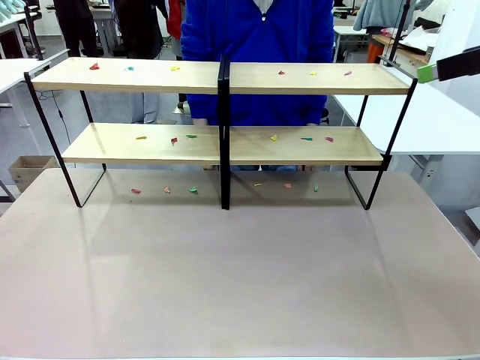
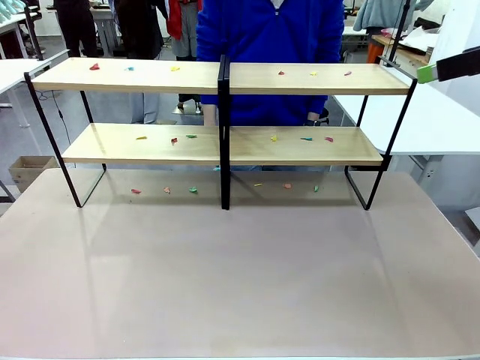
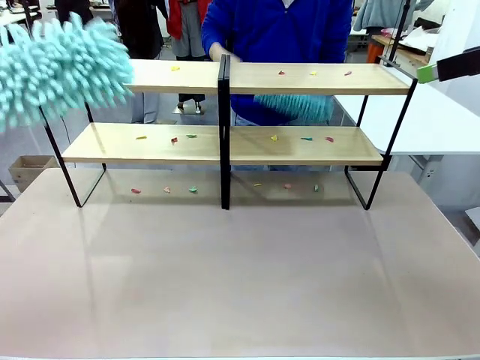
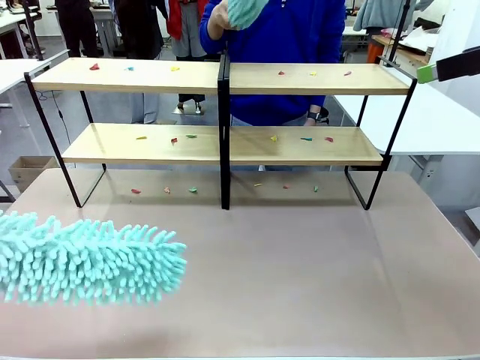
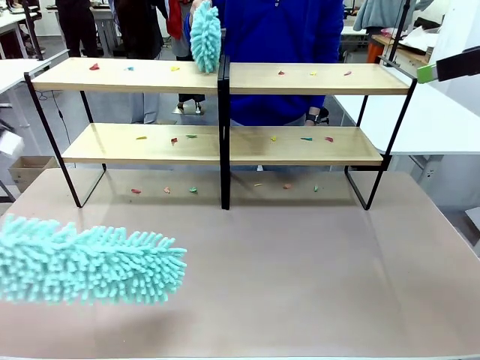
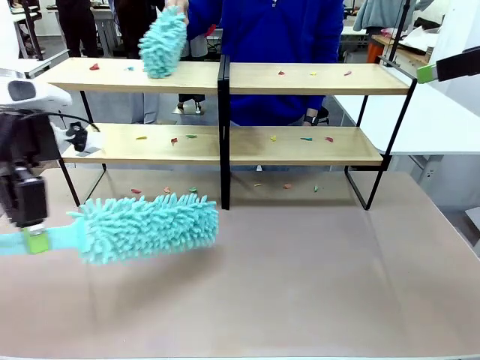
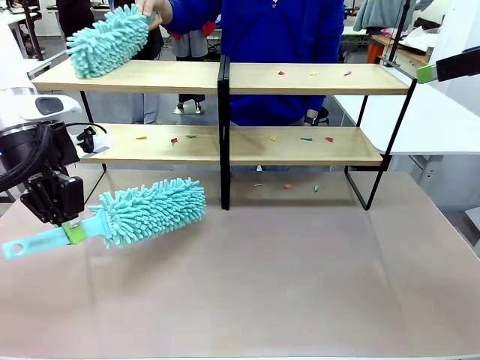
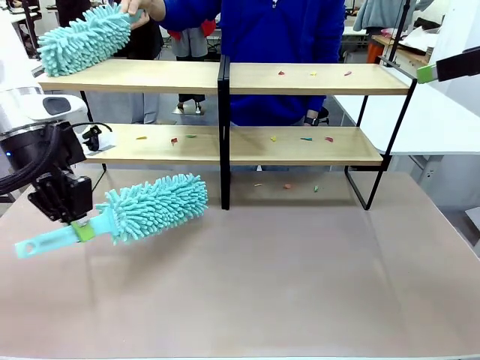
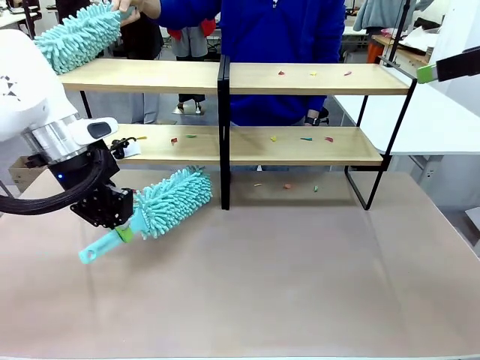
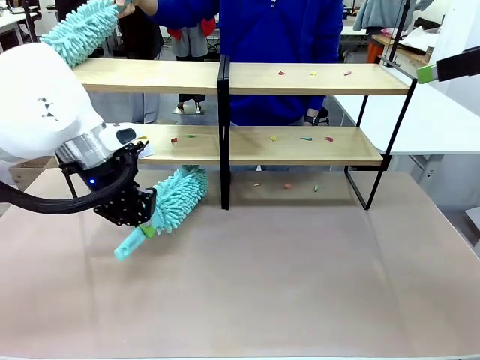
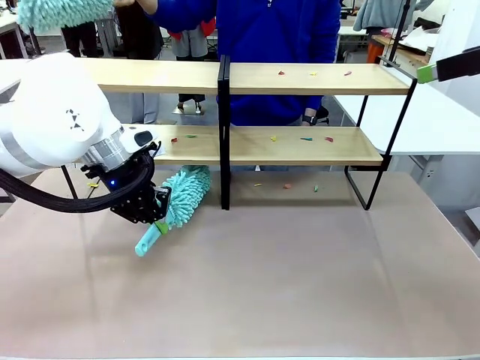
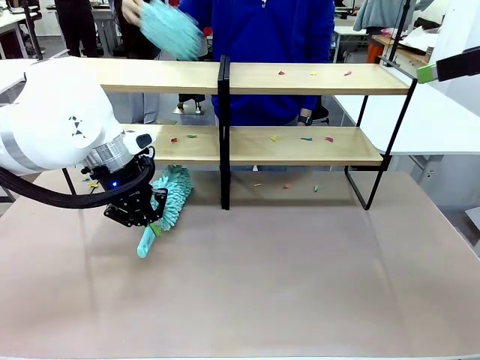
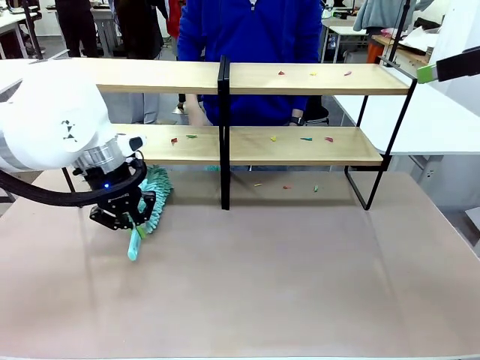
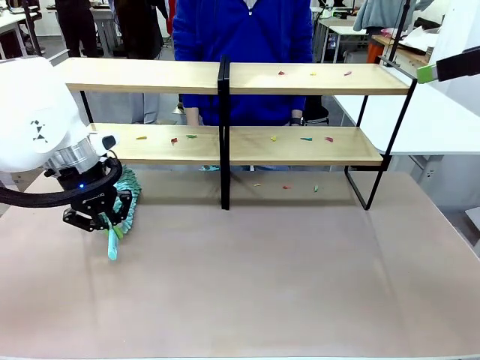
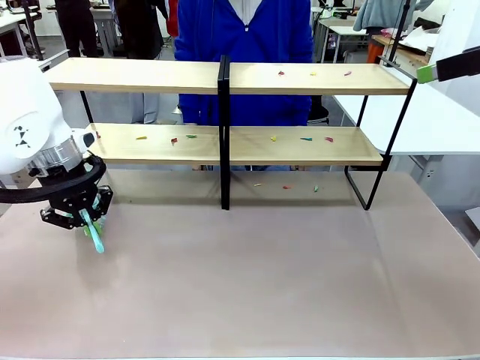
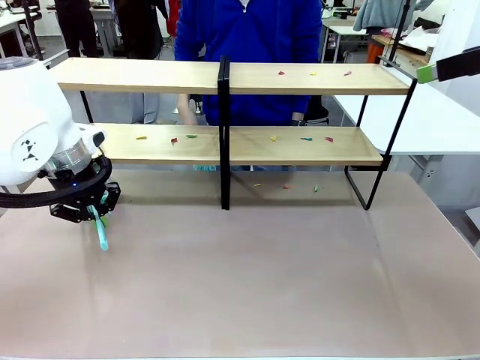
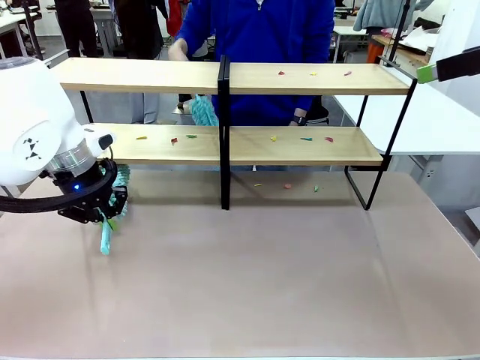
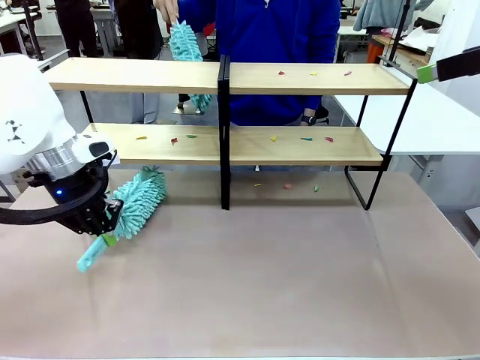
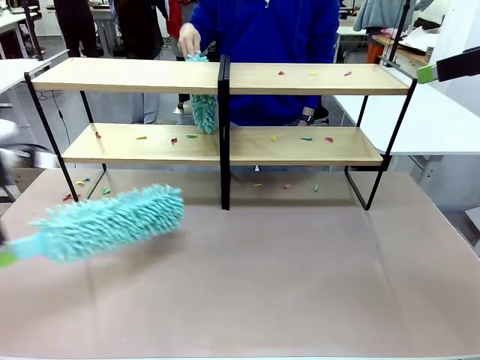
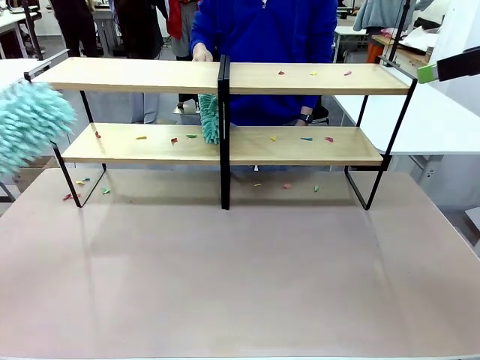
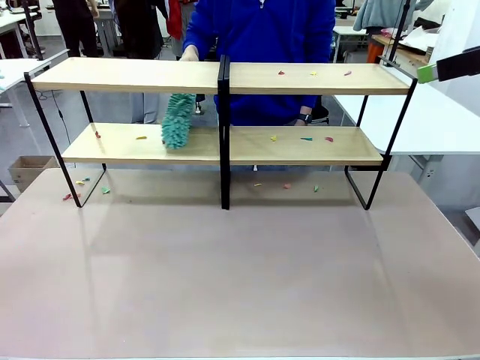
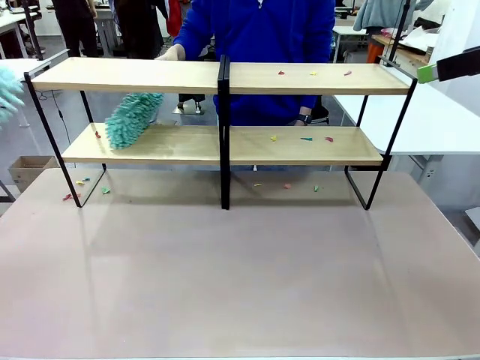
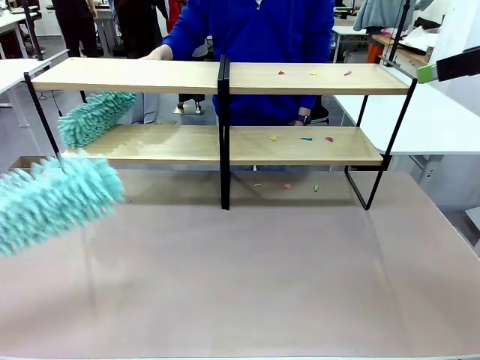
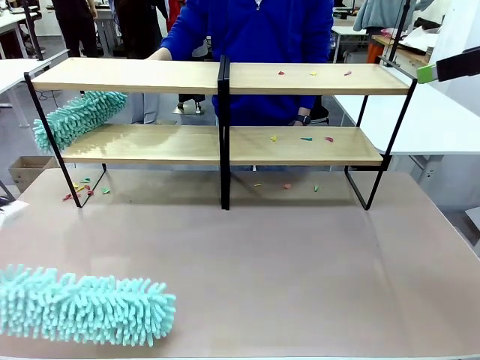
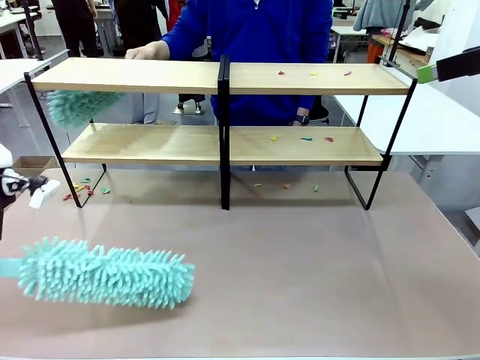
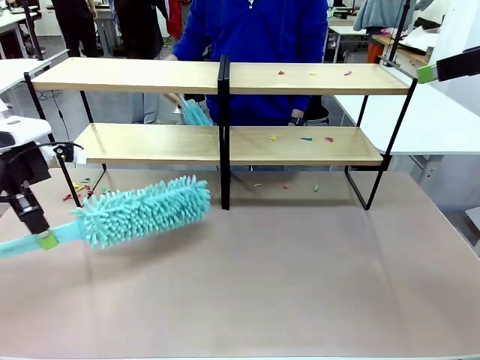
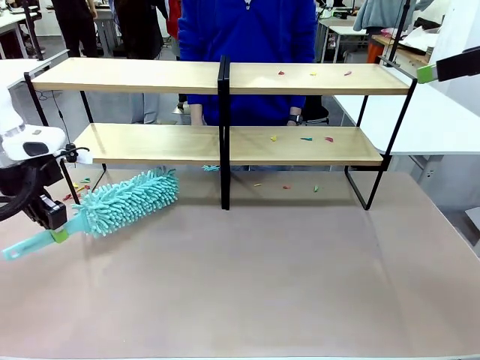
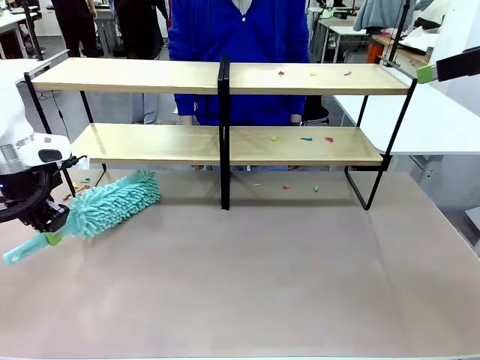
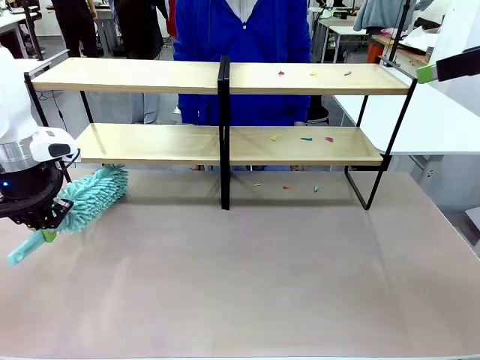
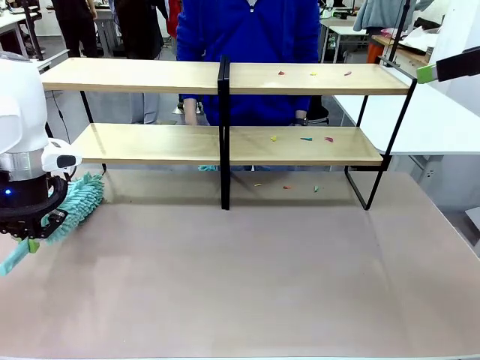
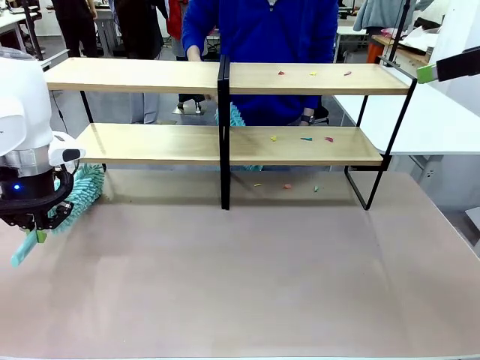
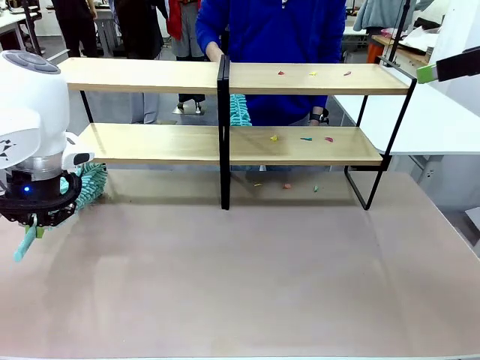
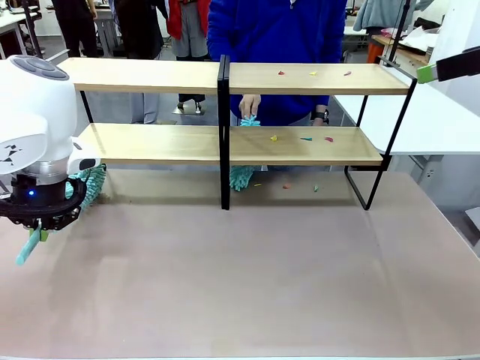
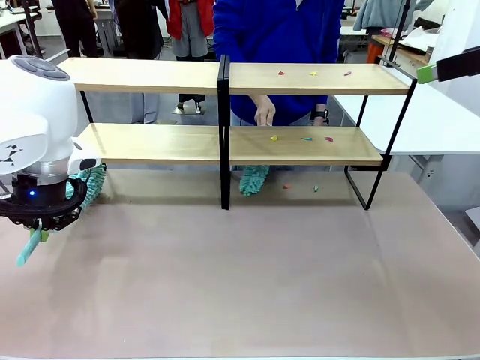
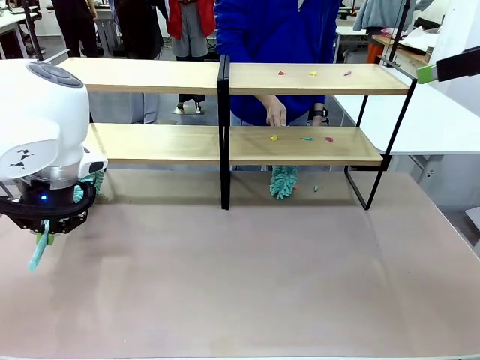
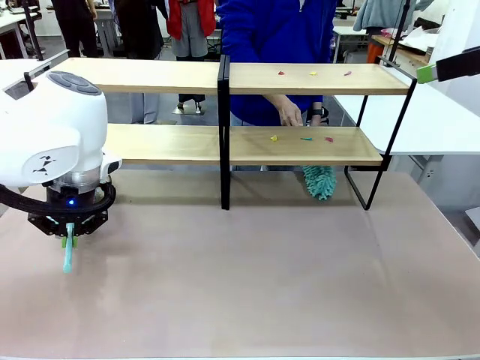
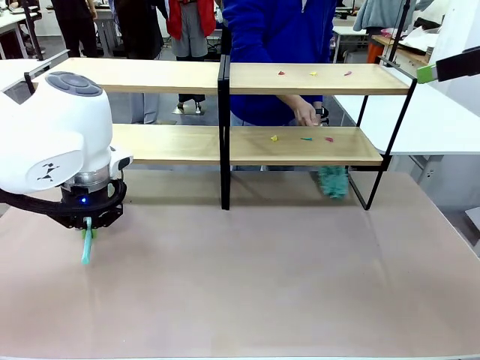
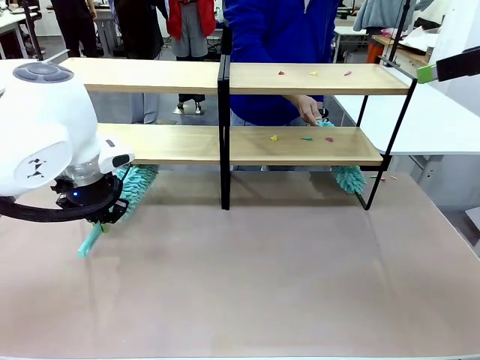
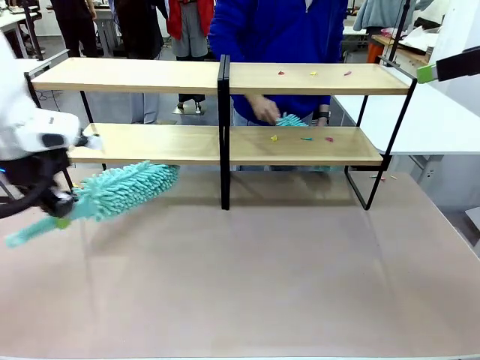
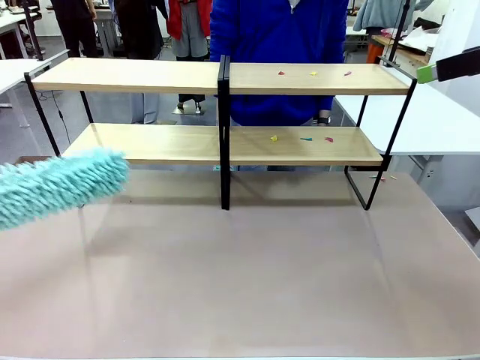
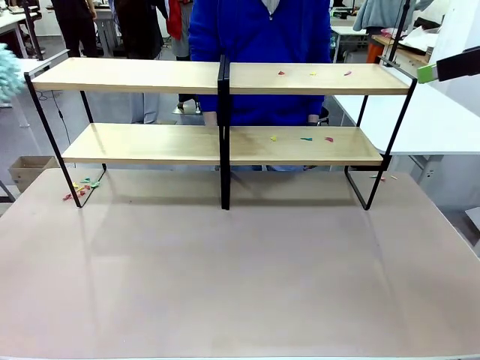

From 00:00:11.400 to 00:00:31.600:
Task: Clean the shelves.
Robot: Clean a randomly selected level of the Shelf with the Duster.
